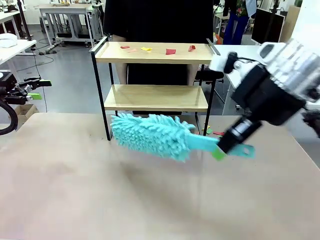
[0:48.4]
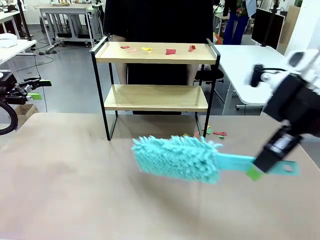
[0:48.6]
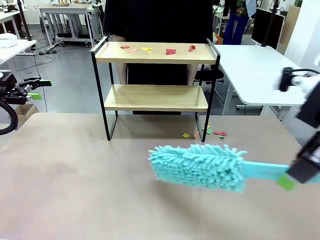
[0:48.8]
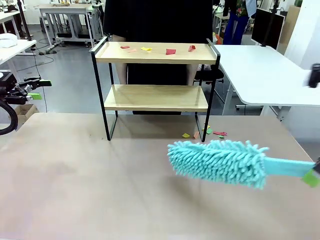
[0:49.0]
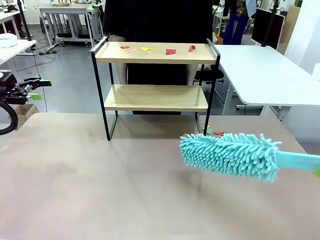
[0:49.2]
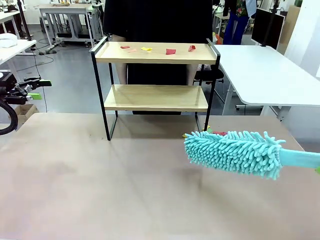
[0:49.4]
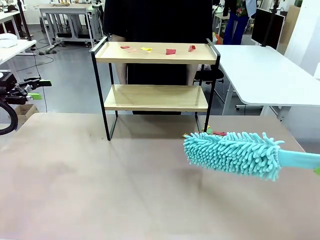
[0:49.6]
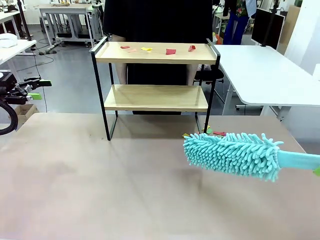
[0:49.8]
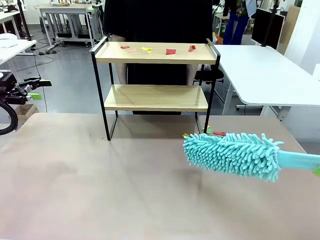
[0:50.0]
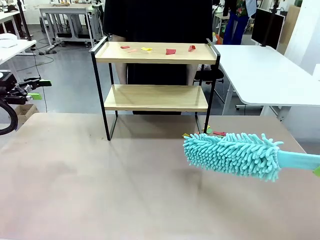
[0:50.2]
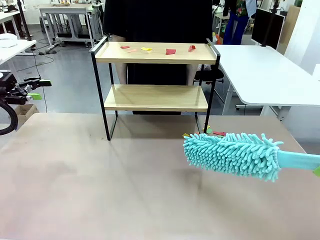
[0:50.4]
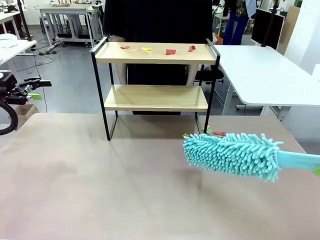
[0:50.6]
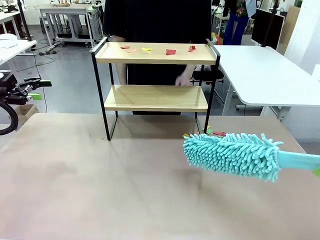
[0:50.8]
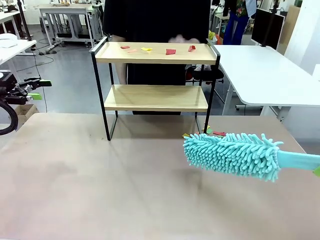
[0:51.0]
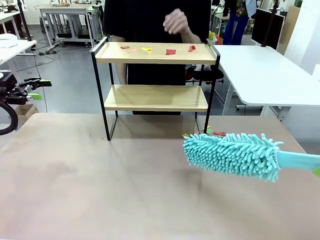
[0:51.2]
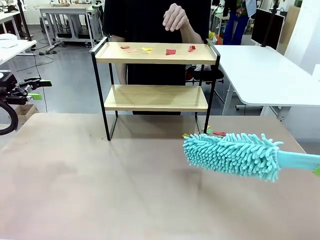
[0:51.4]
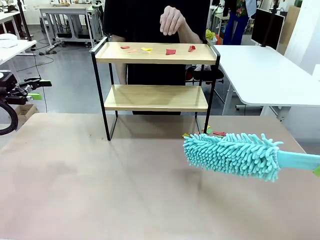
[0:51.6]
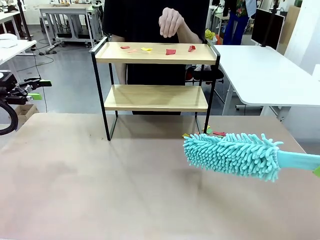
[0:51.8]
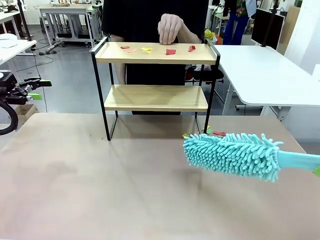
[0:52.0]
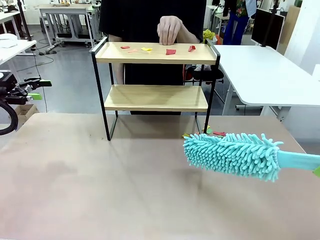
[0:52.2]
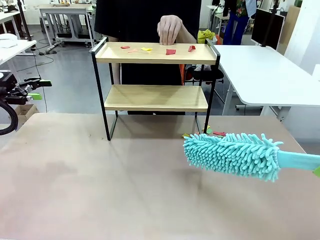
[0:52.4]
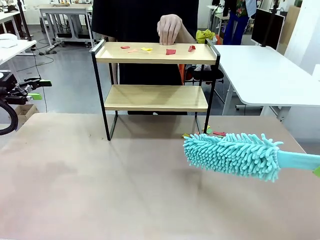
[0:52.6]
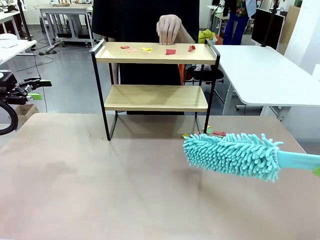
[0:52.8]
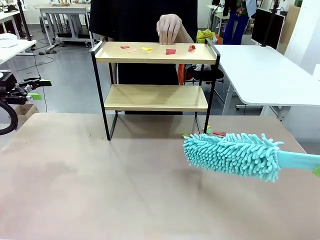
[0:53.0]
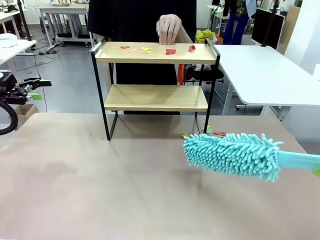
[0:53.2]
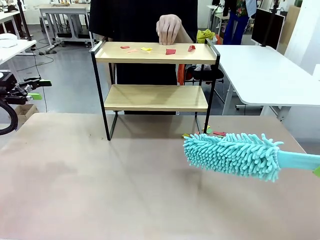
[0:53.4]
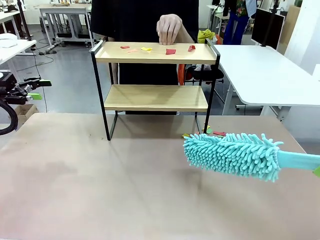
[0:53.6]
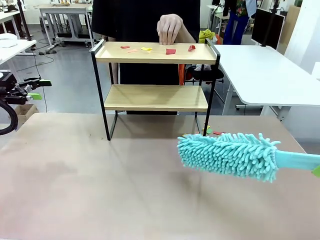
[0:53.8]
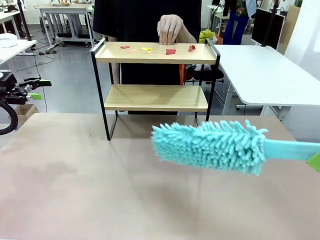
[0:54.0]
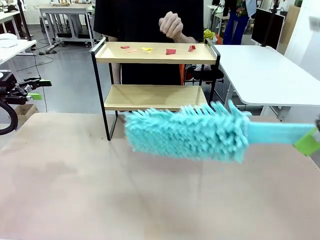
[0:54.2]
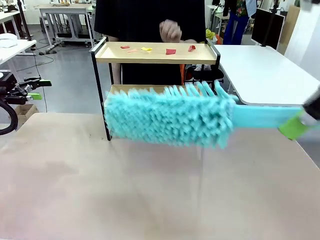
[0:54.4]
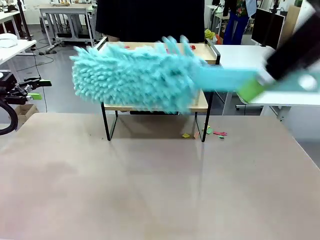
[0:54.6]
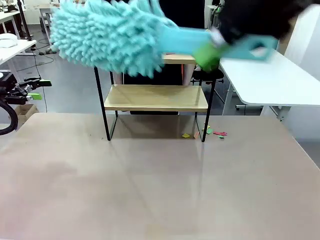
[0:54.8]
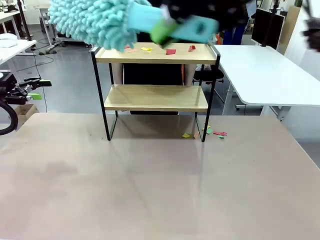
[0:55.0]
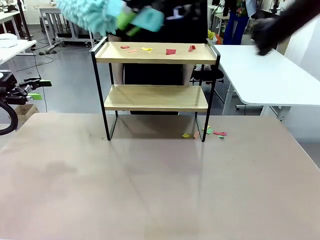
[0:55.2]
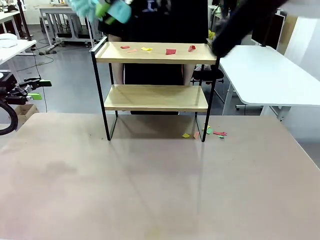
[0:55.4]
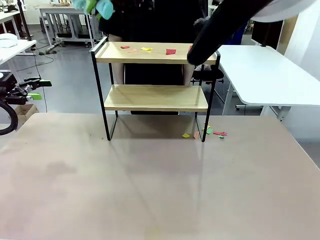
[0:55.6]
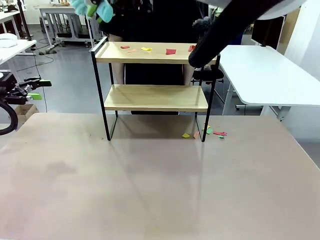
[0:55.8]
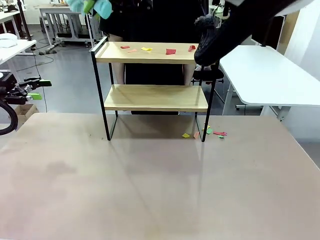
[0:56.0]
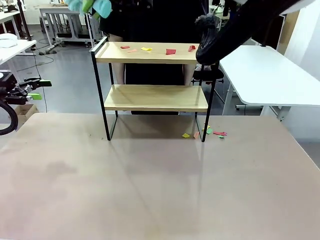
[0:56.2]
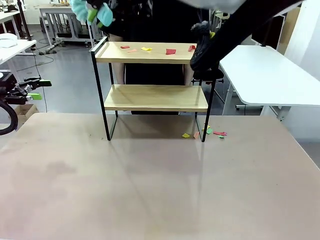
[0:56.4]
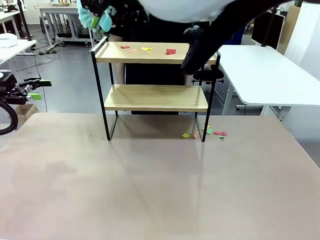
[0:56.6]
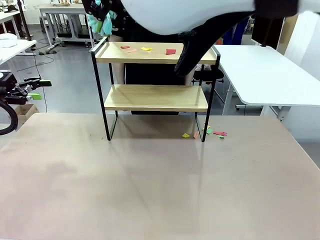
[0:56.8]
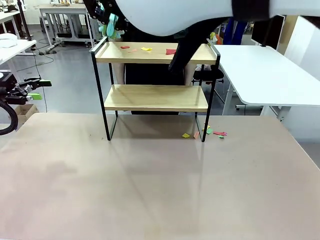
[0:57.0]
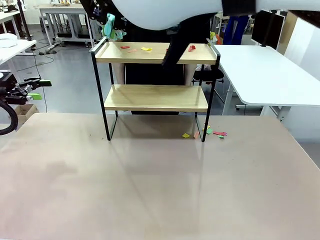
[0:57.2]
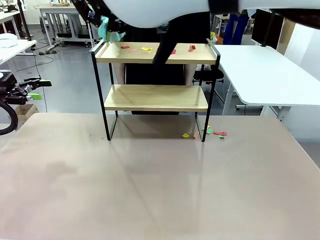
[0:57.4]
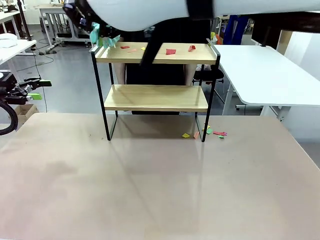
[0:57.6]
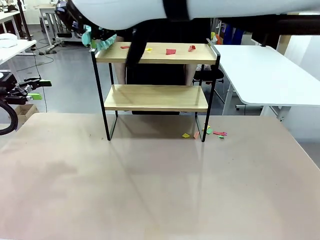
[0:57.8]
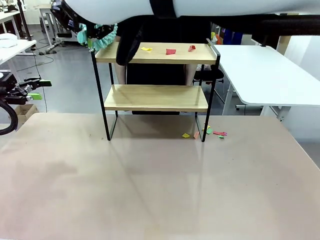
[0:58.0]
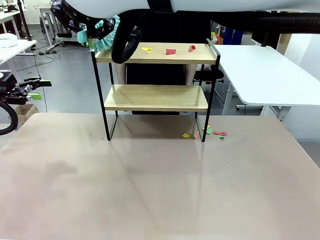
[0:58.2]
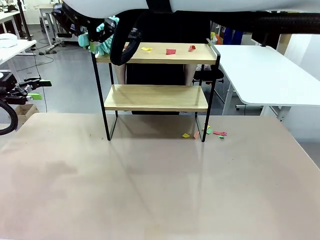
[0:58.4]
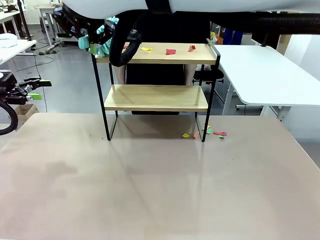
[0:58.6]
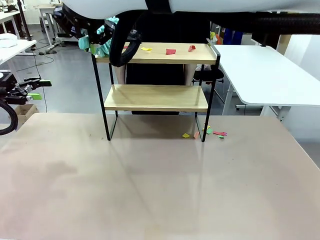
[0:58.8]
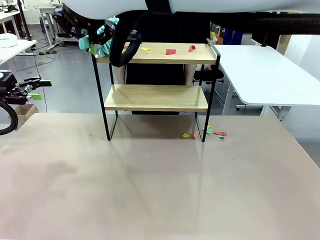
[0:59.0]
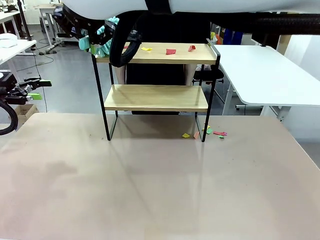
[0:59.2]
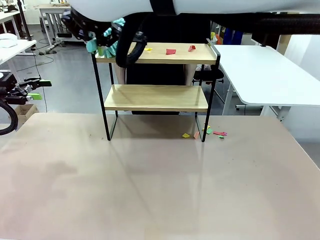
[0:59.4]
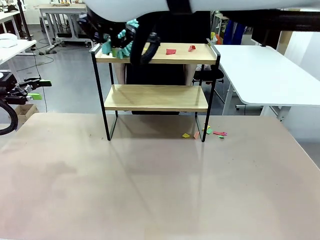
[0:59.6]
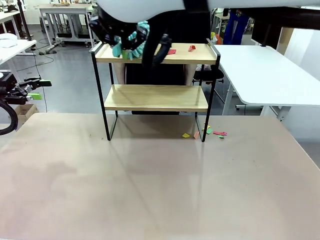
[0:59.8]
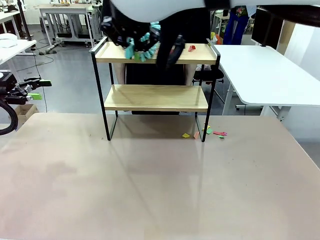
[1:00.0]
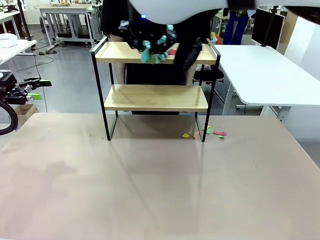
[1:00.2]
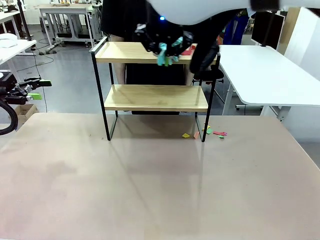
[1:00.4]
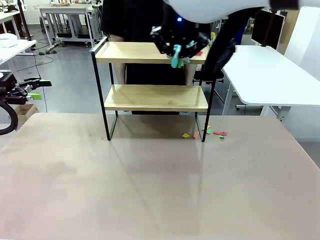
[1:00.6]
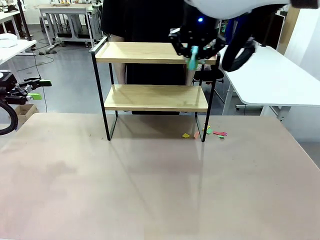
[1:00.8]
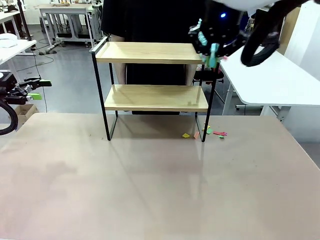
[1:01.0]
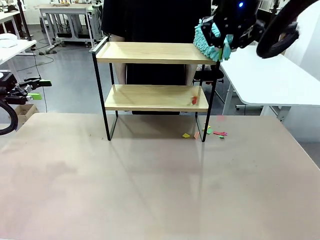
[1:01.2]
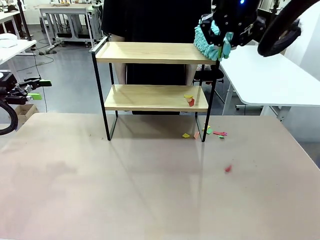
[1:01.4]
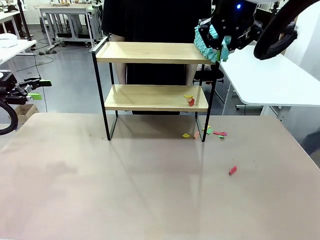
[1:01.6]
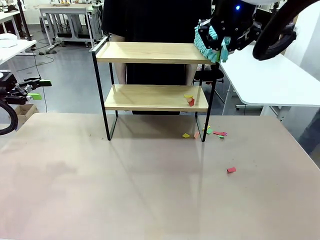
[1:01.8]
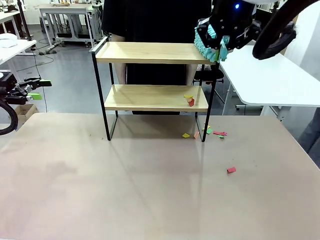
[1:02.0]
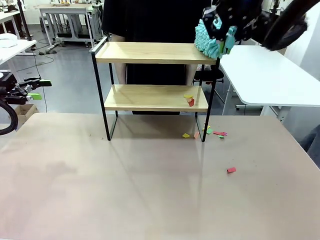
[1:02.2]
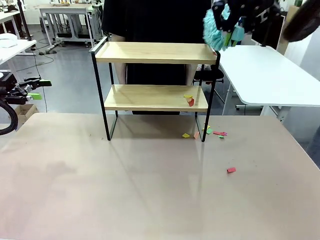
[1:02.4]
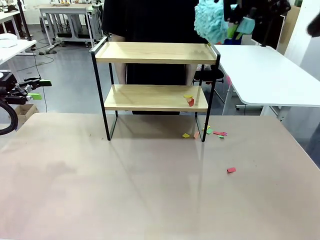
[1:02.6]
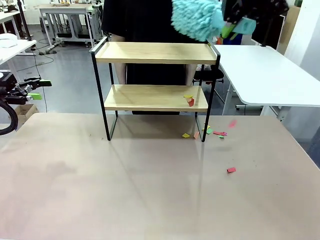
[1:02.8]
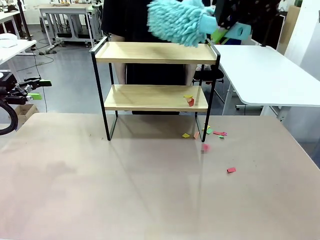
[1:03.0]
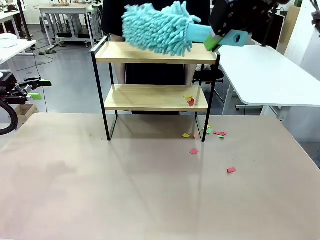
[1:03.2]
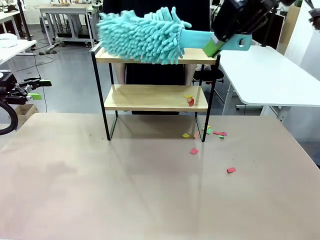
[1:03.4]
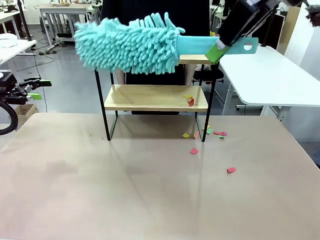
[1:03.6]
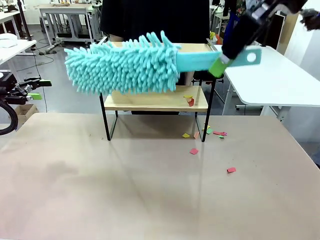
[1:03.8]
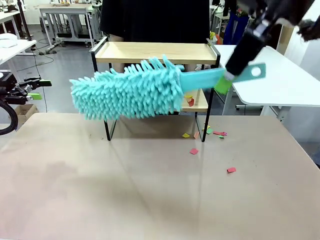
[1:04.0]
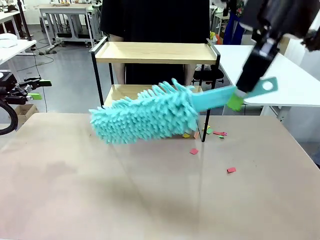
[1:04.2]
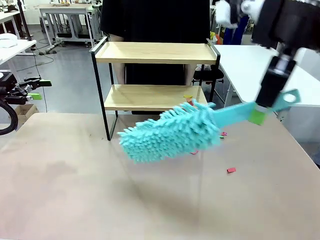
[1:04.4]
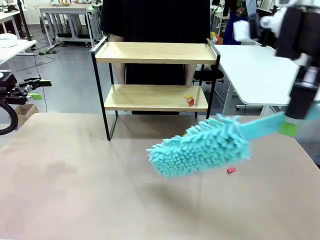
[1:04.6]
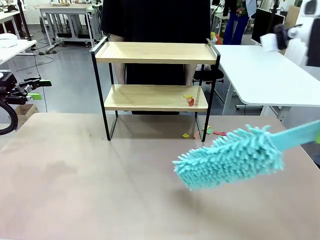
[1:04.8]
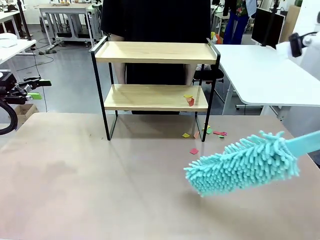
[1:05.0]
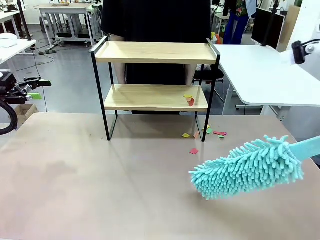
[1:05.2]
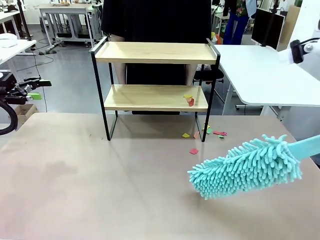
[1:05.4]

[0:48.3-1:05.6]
Task: Clean the shelf.
Robot: Clean the specific section of the Shelf indicated by the human with the Duster.
